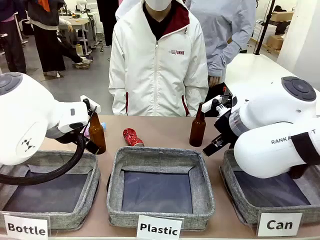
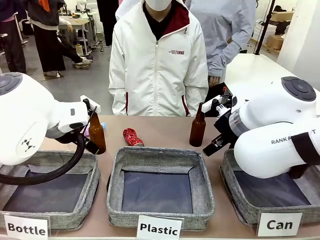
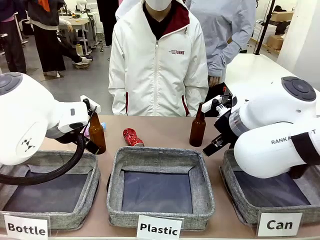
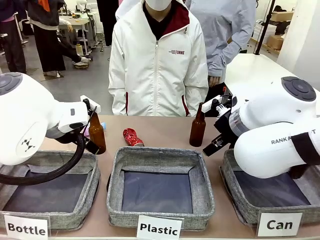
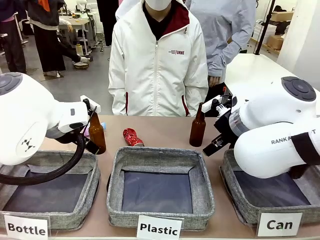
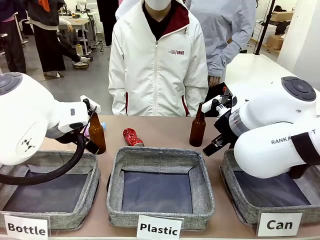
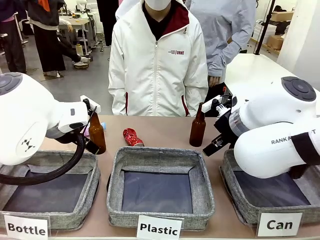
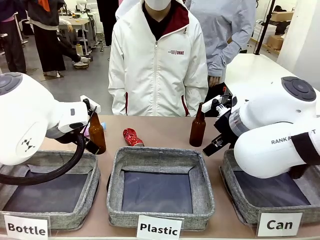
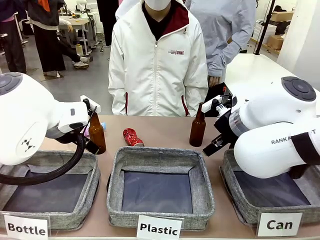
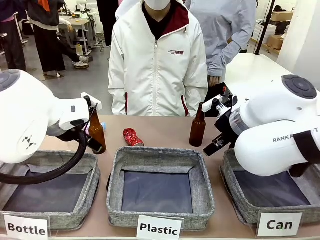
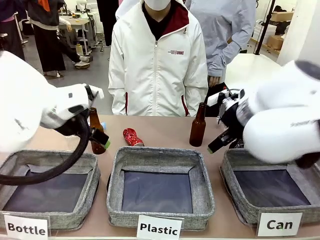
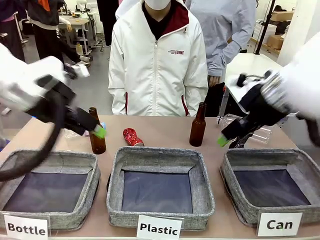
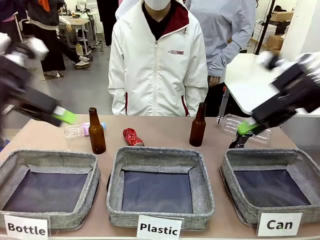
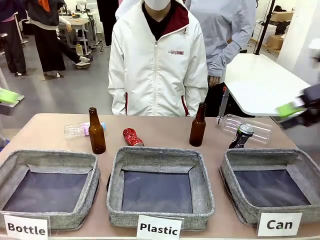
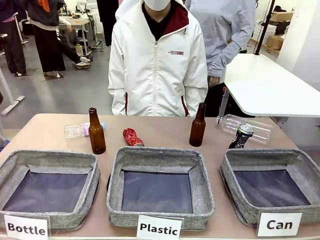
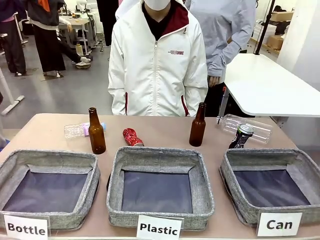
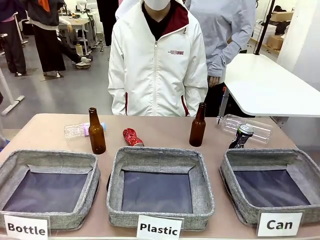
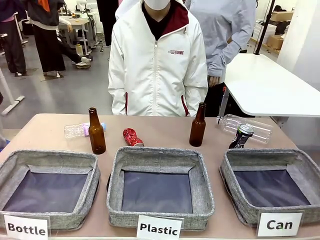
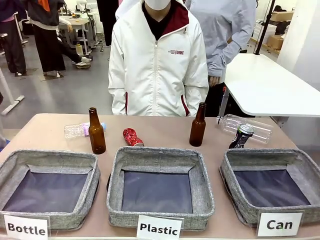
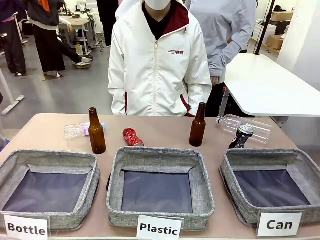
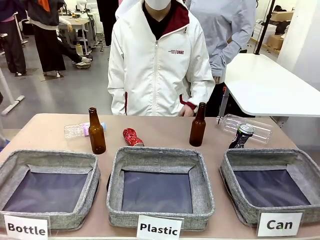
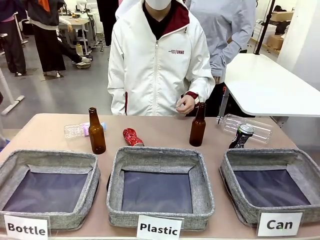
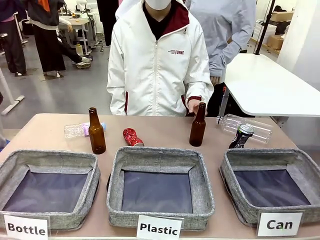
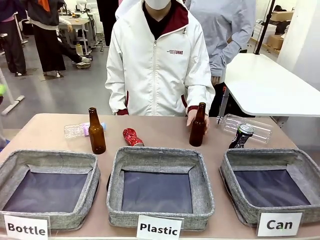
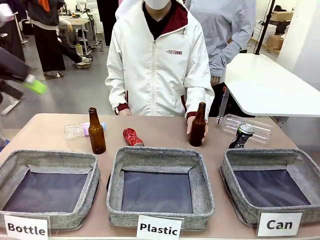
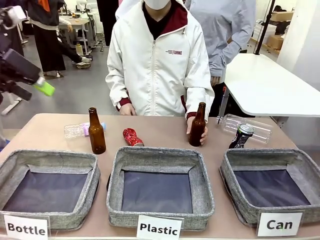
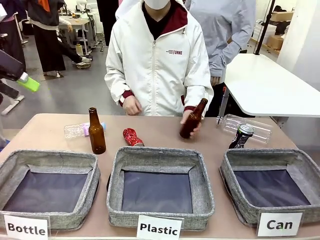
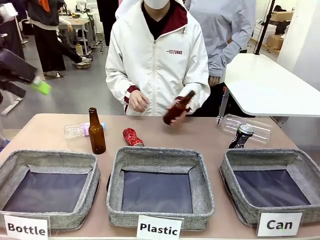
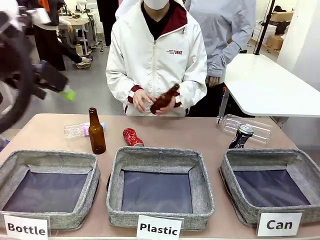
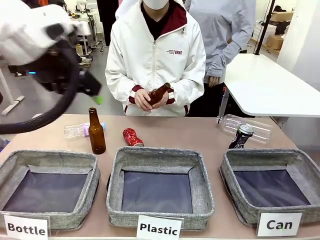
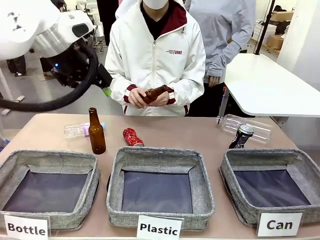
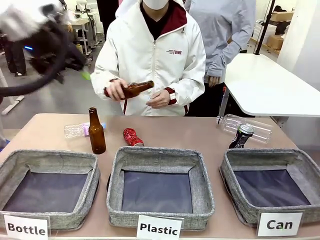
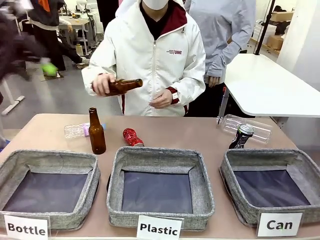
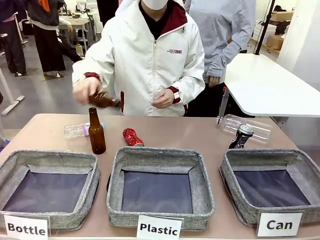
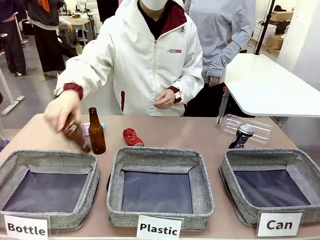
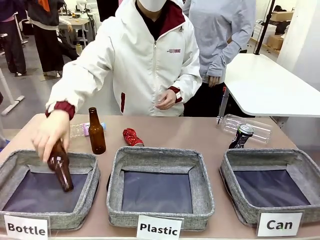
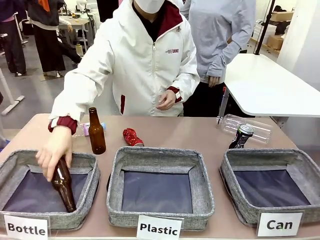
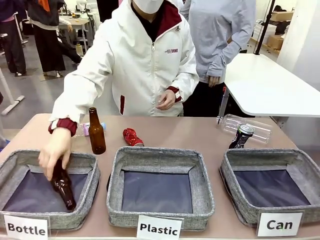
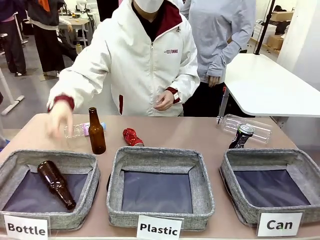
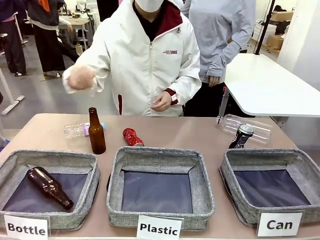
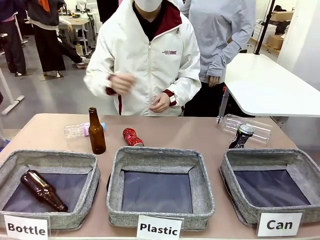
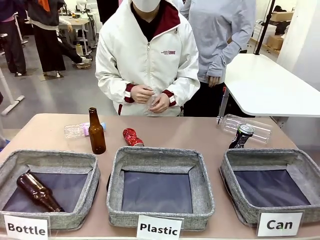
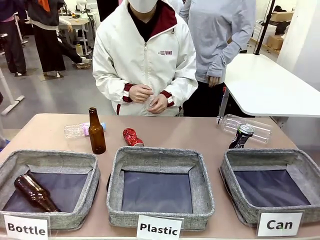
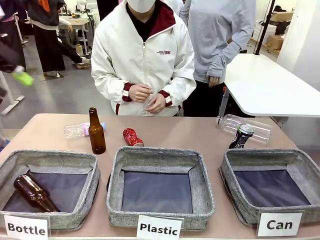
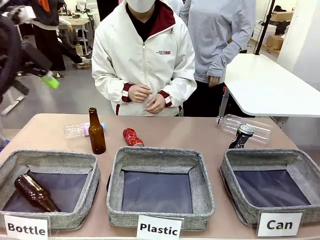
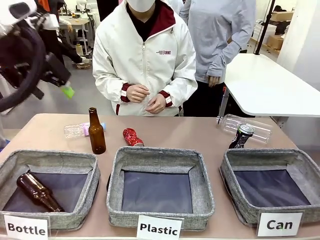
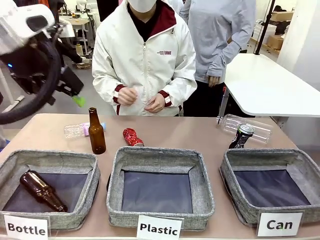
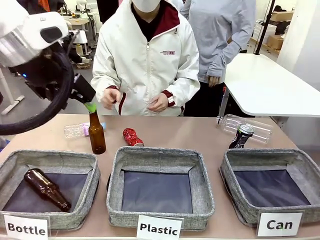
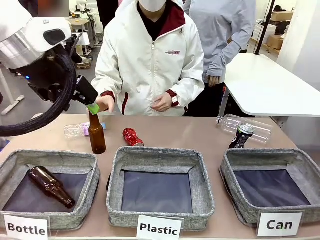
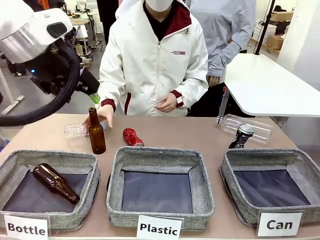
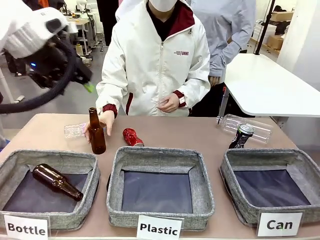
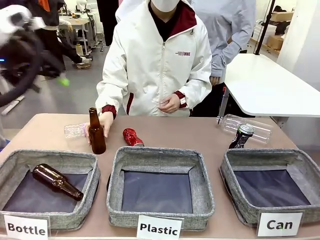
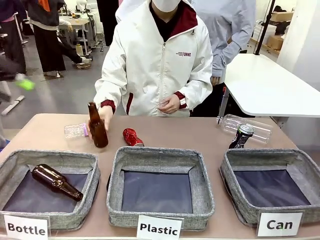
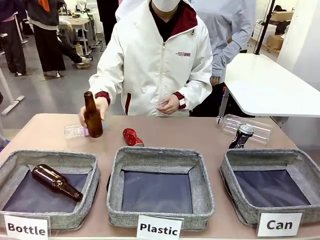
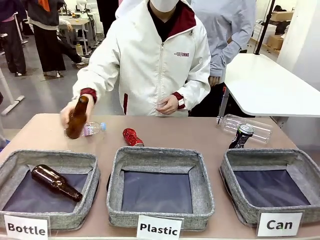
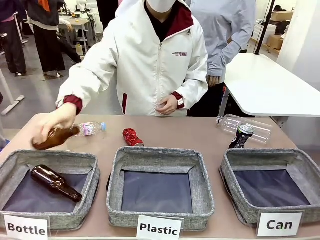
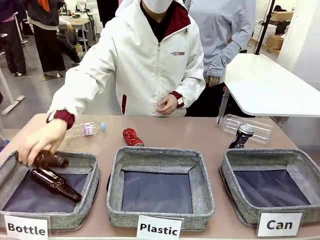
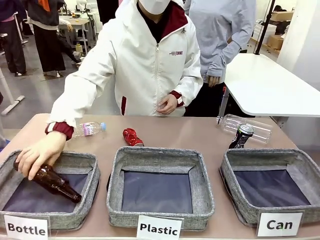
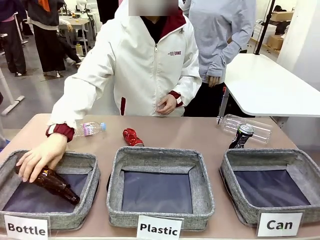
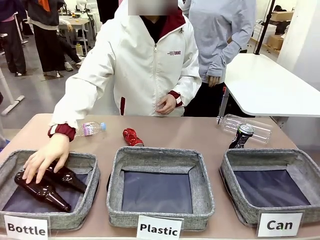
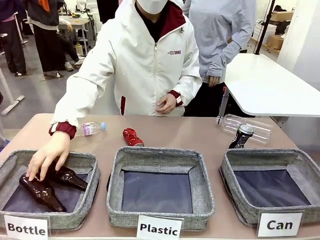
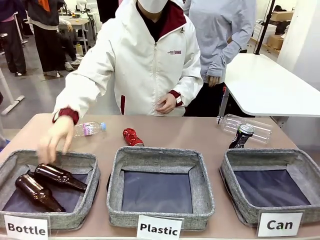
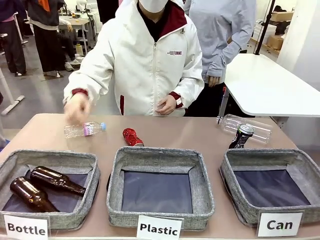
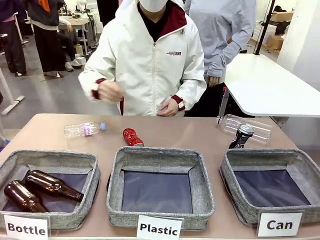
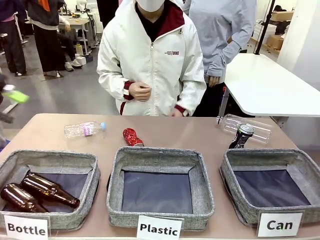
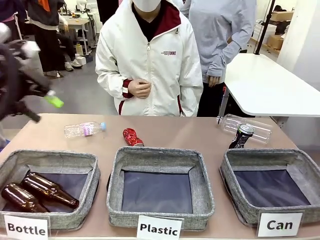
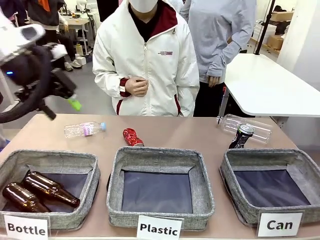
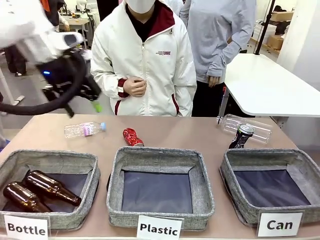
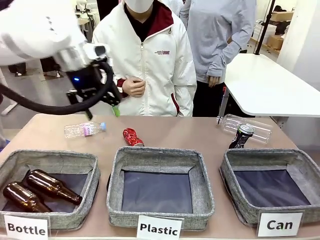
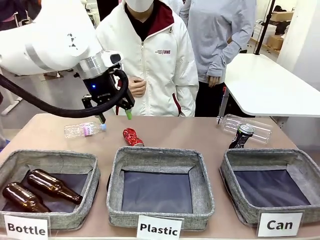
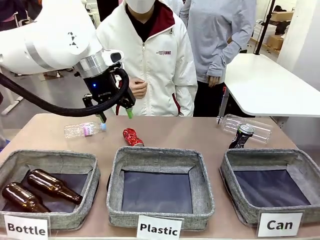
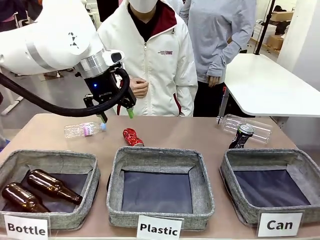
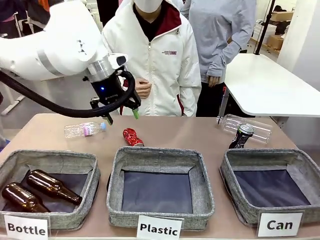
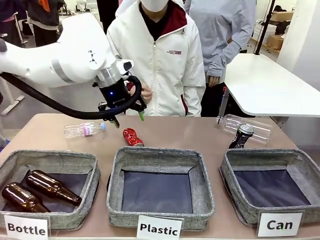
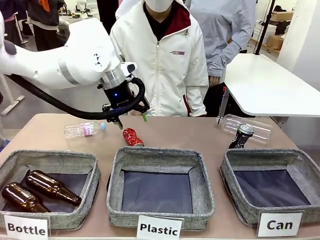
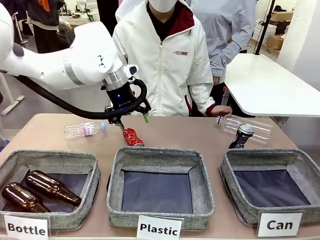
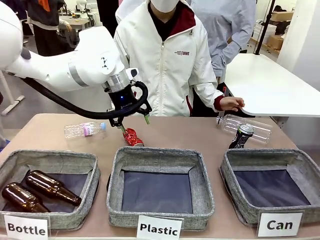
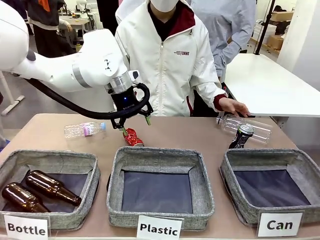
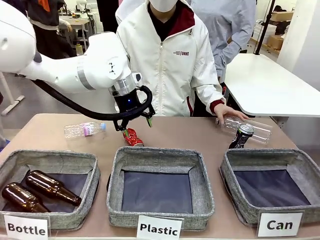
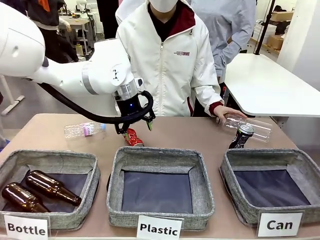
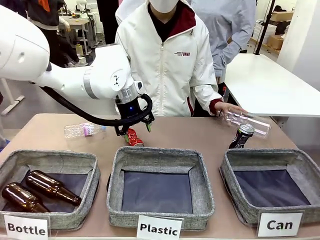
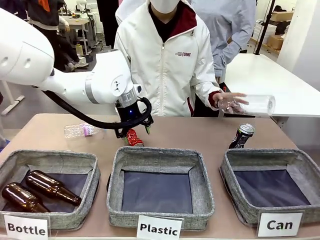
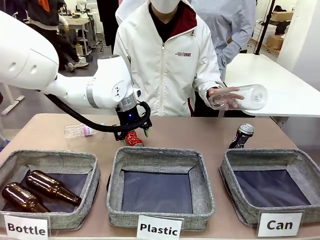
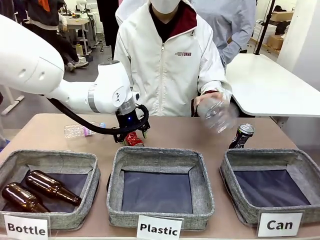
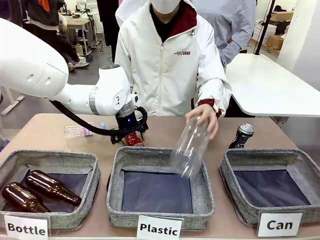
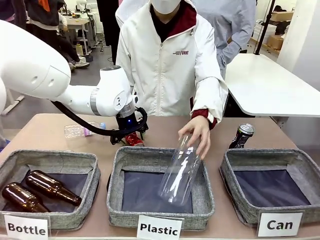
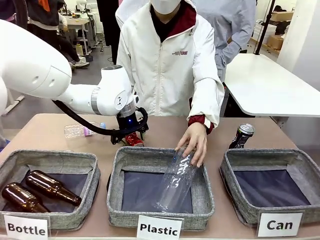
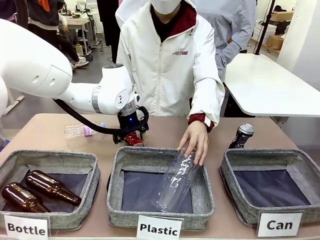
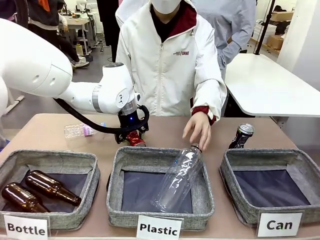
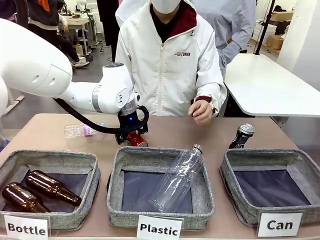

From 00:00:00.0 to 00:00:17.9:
Task: Sort the can waste into the basket.
Robot: Pick up the can waste from the table and place it in the right Fabric basket.
